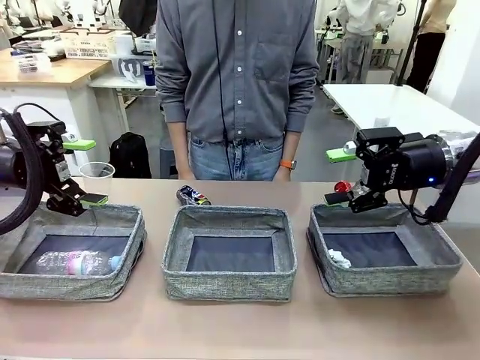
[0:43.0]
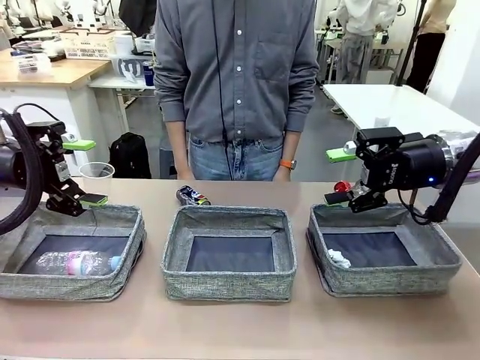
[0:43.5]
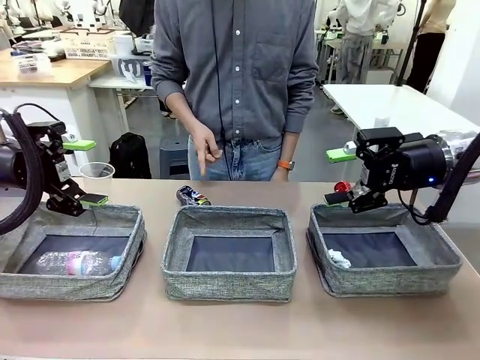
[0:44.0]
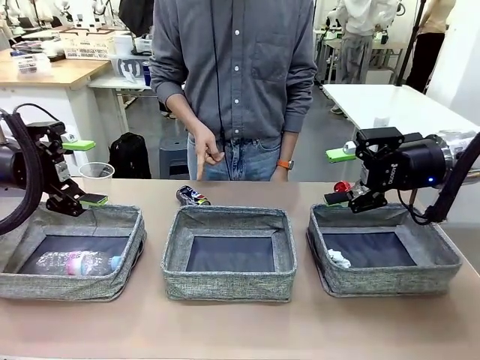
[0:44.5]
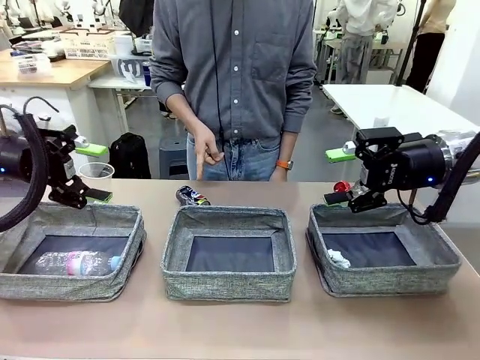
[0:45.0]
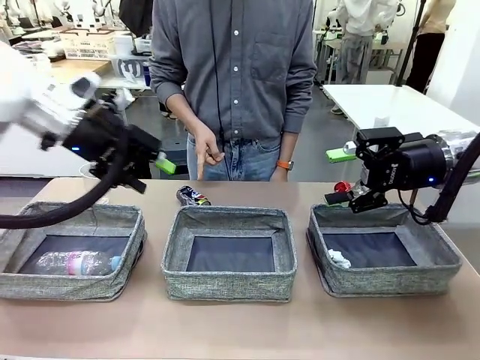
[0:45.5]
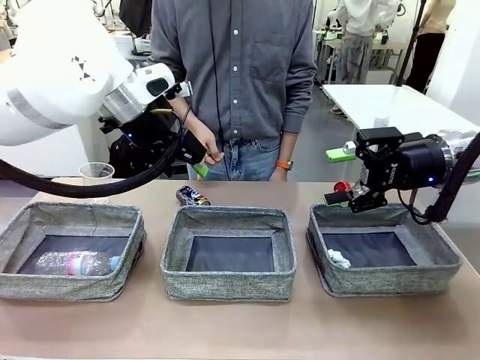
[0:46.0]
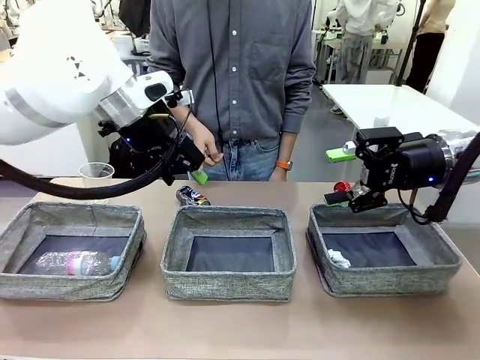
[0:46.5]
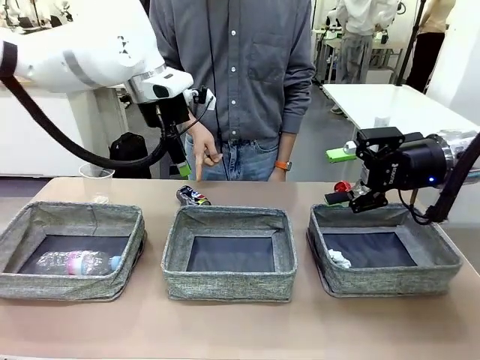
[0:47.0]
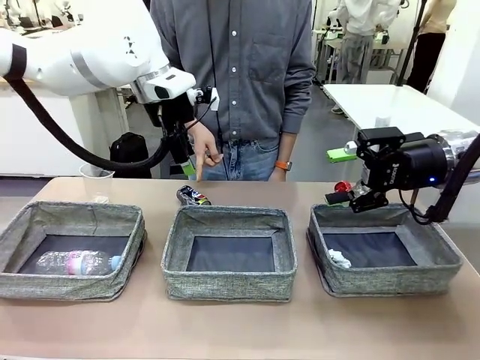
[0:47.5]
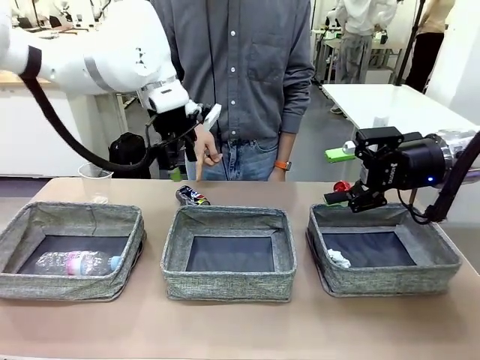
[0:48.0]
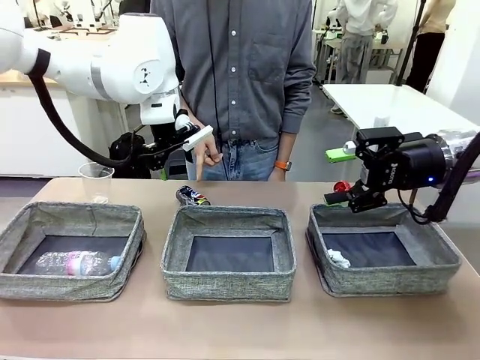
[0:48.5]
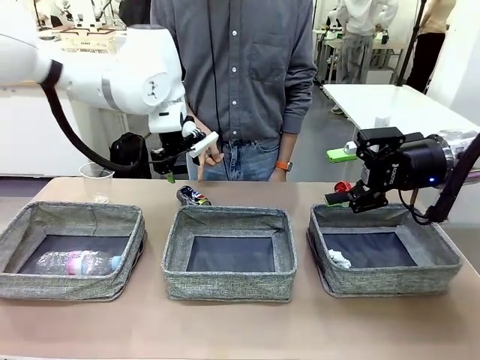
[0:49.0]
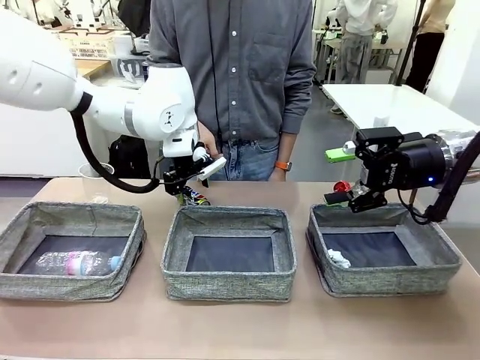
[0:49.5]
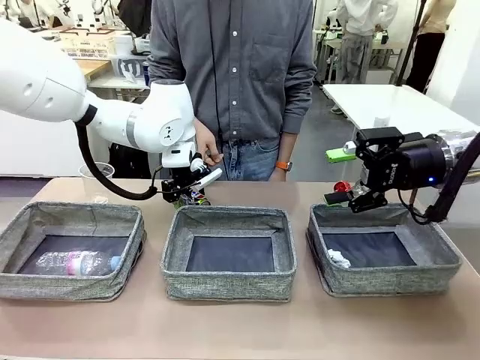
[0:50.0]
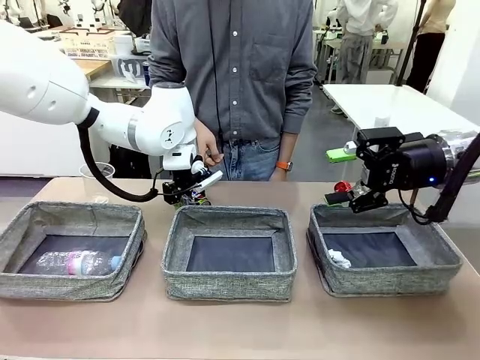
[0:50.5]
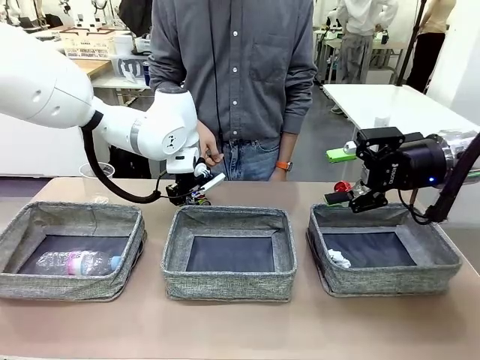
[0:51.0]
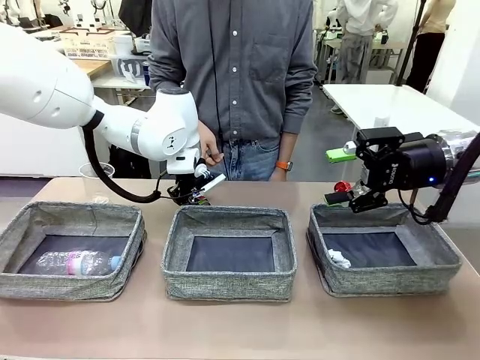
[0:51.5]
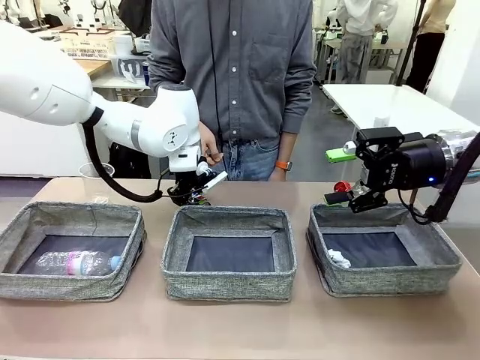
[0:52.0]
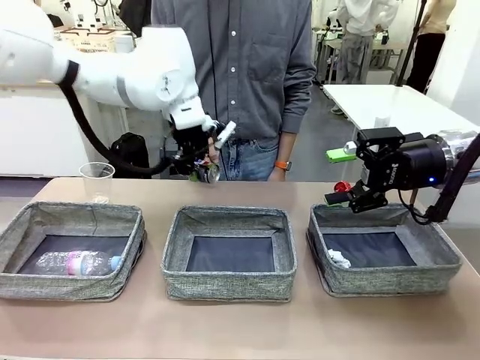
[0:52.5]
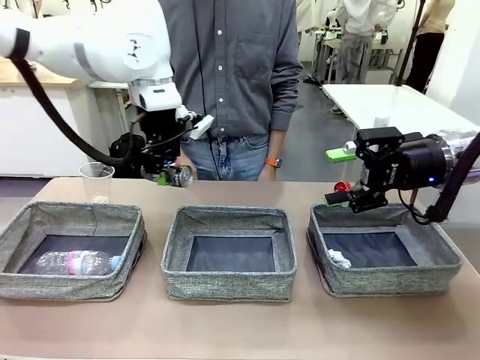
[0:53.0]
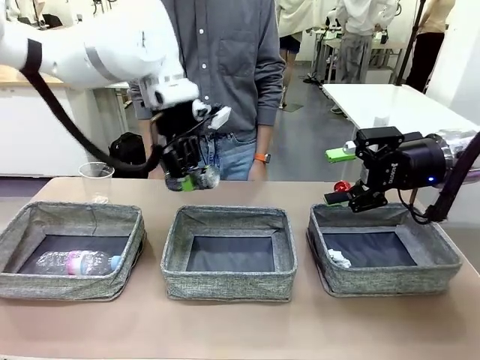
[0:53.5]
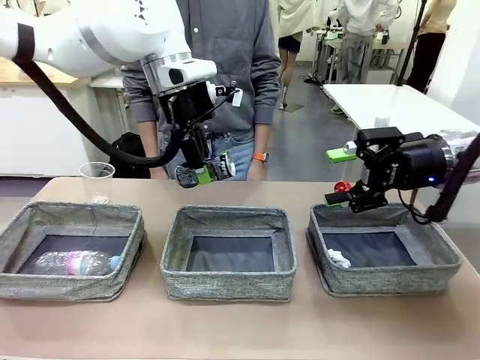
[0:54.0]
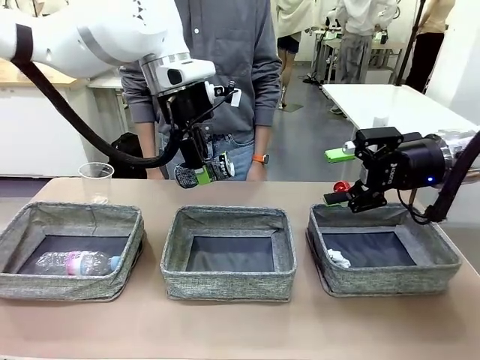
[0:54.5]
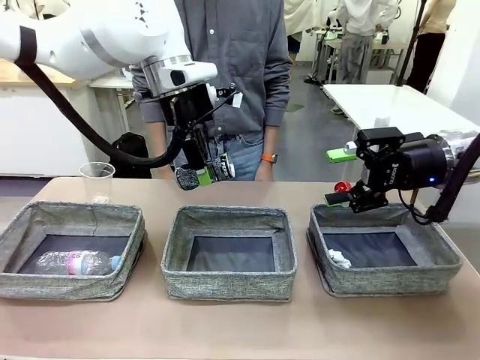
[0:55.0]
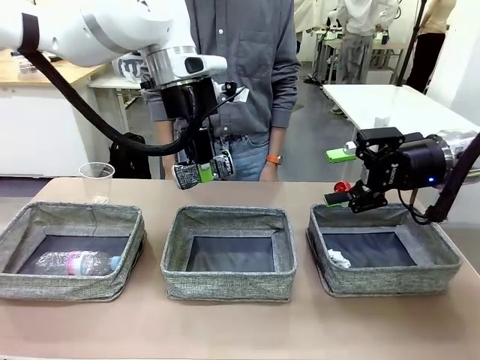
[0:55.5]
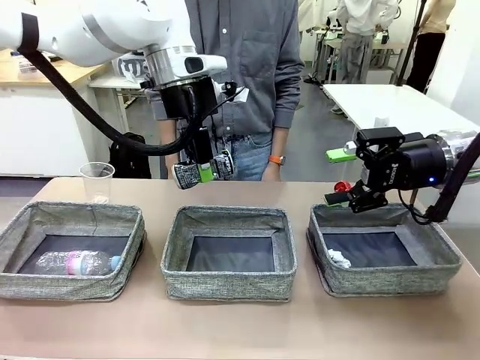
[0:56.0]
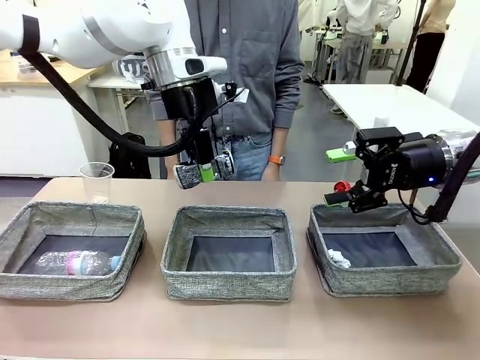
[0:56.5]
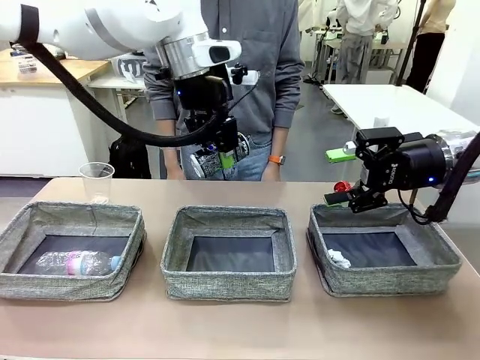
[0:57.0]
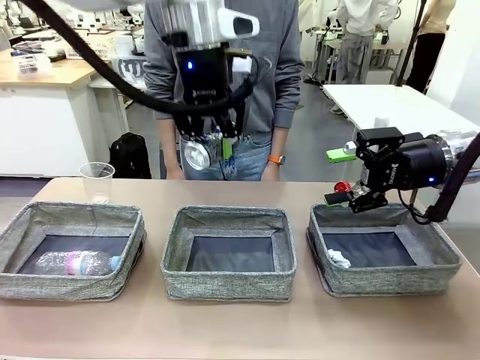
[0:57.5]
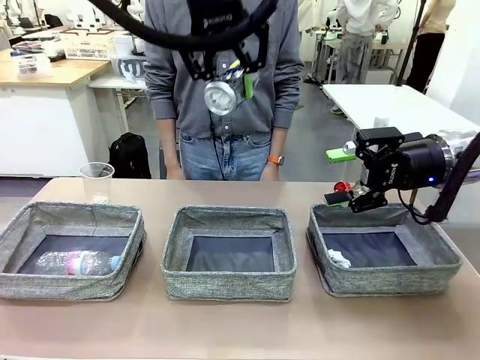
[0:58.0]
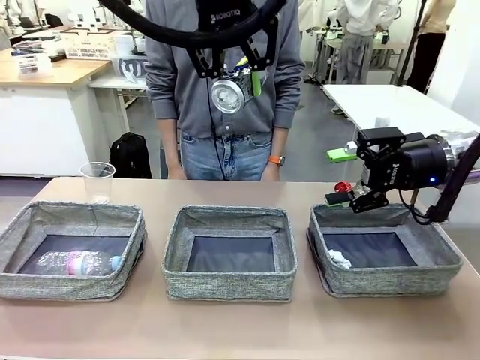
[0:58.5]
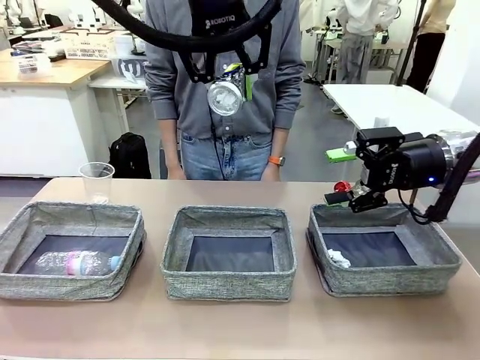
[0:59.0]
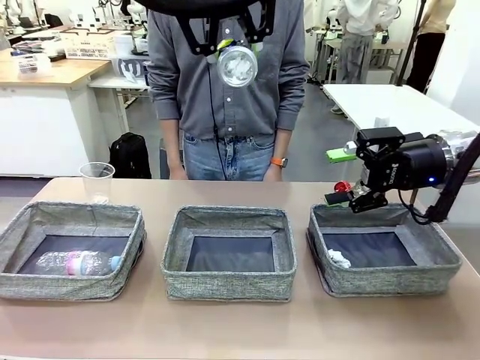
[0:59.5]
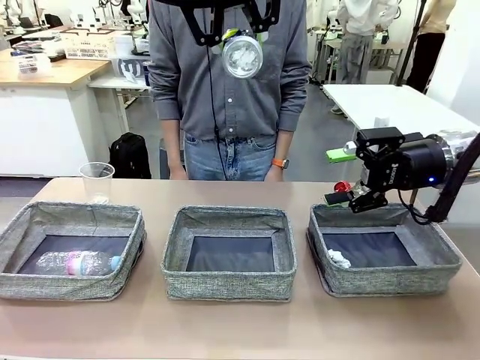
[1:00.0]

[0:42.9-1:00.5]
Task: Sort the waste into the appropriate baskets.
Robot: Pick up the waste item pointed out by the person.
Person: Points to one piece of trash on the table. Instructs the robot to place the picked-up trash into the appropriate organizing basket.

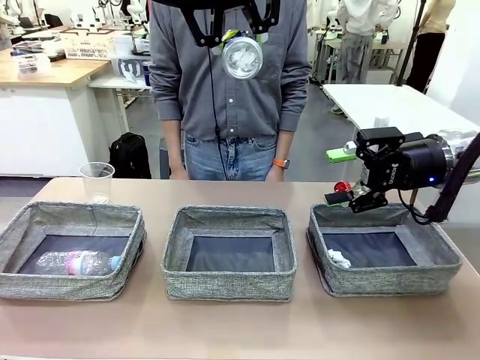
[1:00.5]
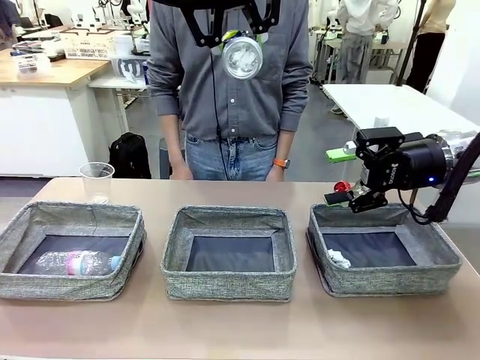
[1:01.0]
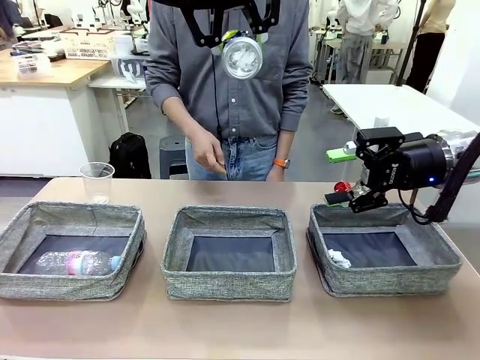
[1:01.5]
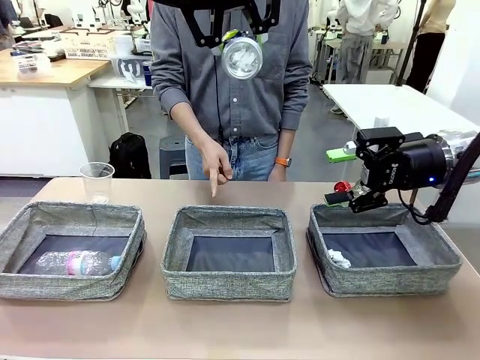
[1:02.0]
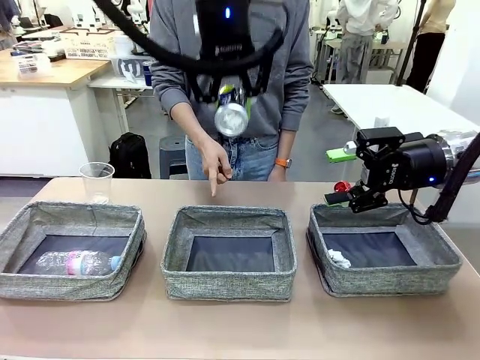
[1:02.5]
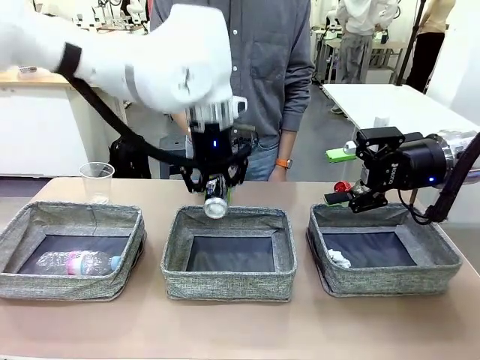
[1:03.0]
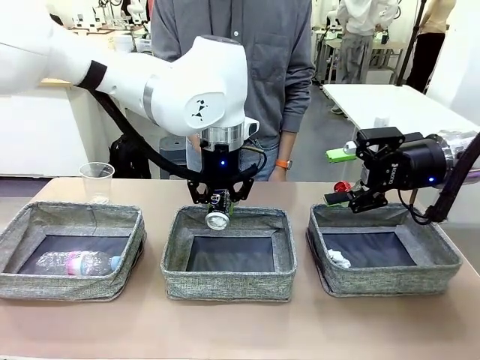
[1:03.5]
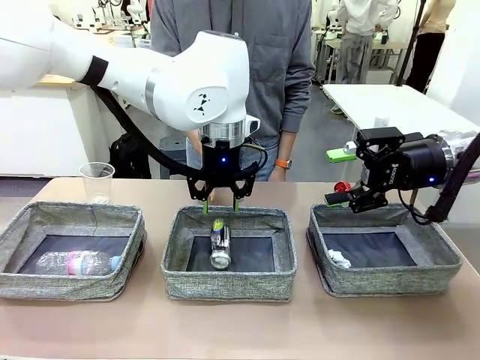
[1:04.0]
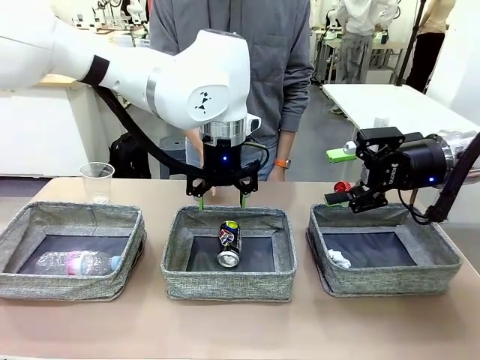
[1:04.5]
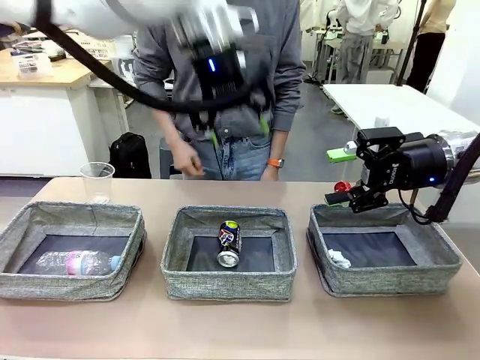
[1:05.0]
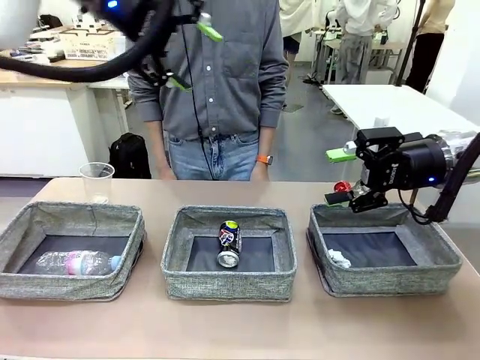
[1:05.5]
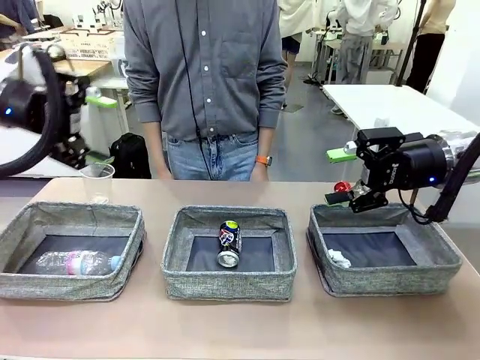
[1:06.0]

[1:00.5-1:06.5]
Robot: Place the picked waste into the Fabric basket indicated by the person.

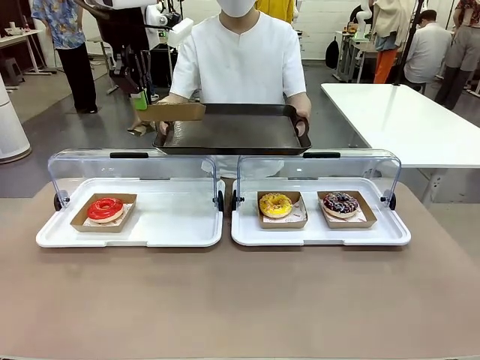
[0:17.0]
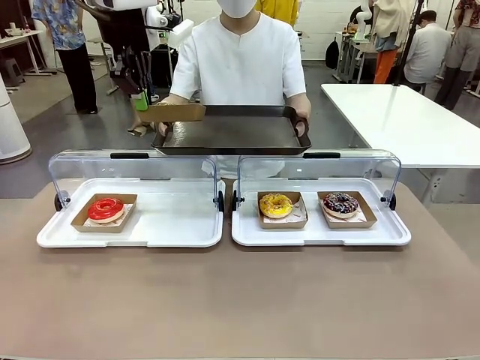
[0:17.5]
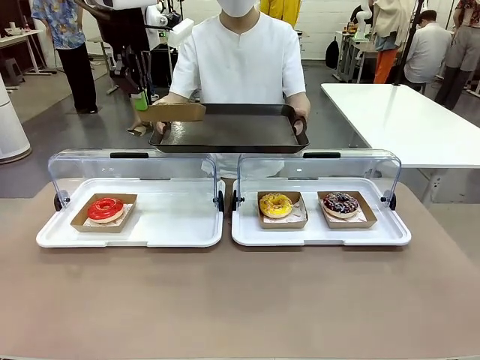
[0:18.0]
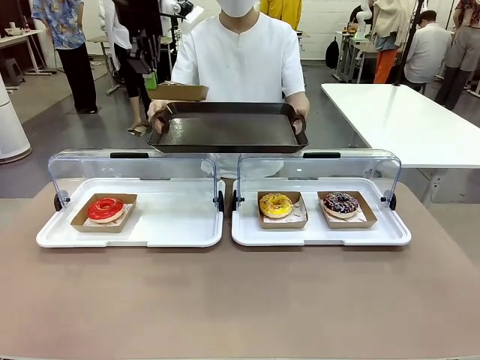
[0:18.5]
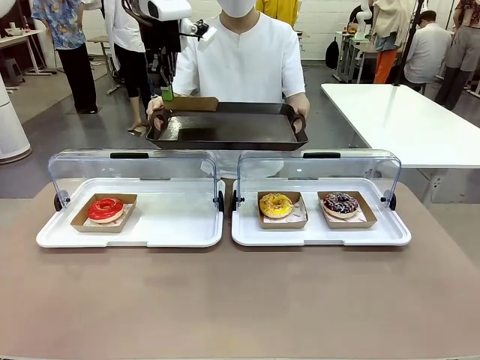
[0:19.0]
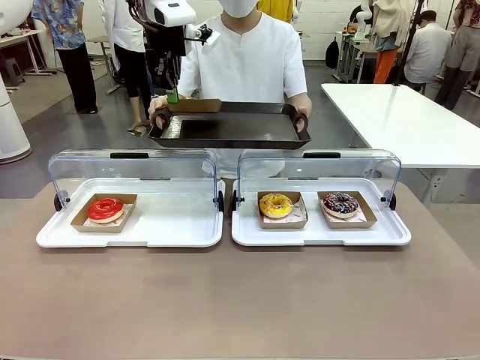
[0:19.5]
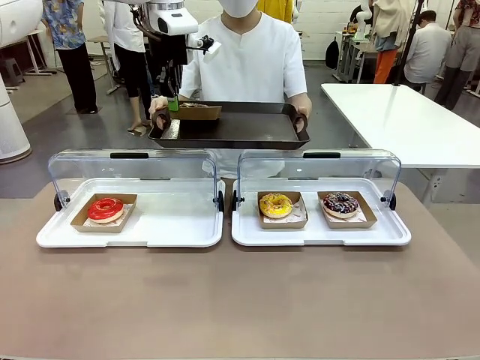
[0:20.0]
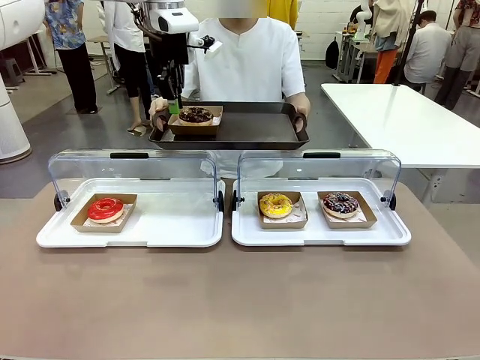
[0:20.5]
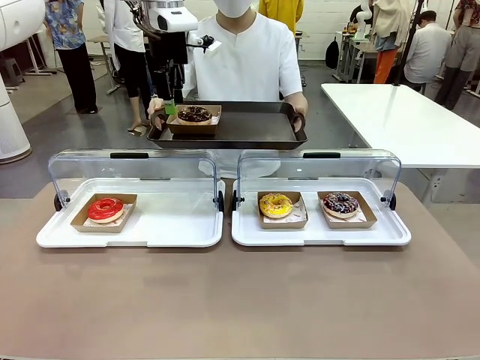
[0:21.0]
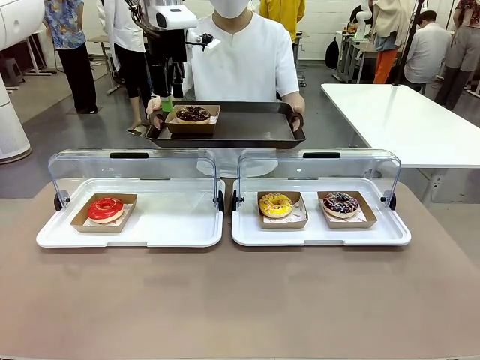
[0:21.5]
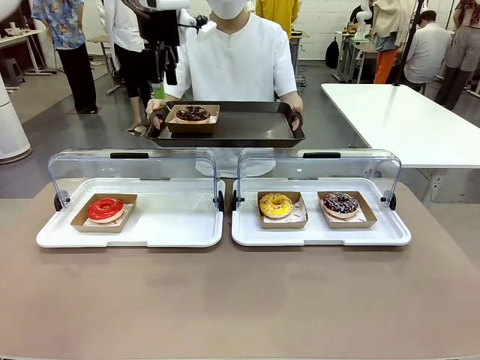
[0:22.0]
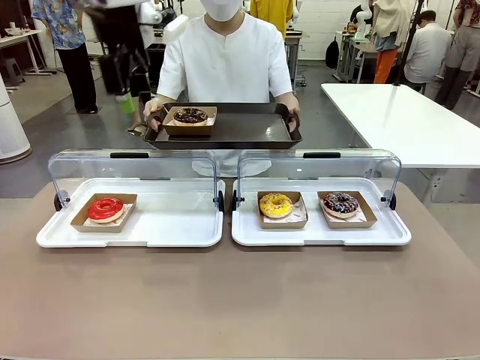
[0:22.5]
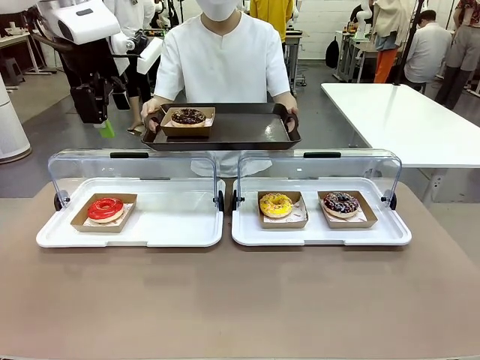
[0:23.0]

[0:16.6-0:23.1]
Task: Provide the desired donut to the person.
Robot: Place the picked Paper togo box onto the Handle tray extended by the person.
